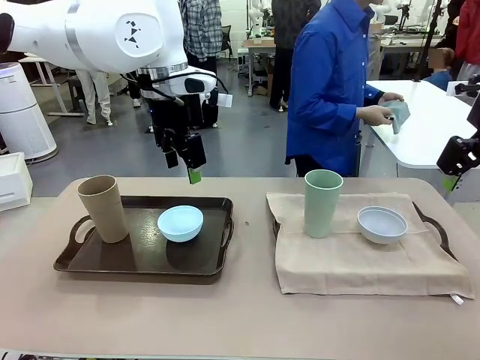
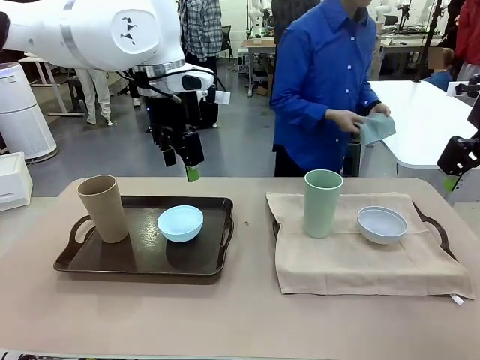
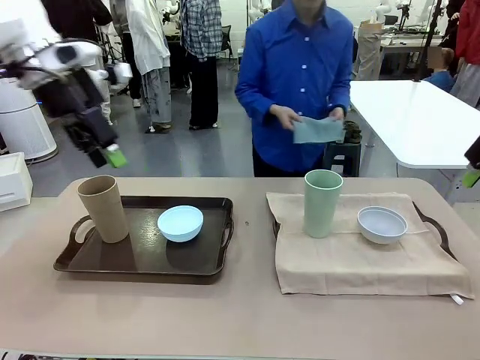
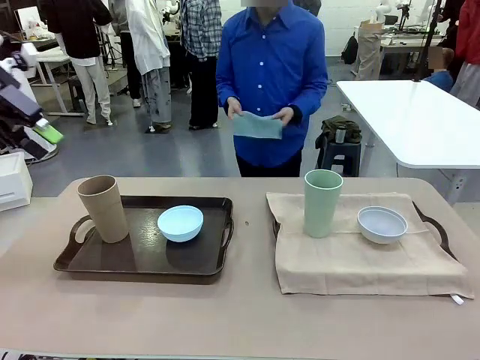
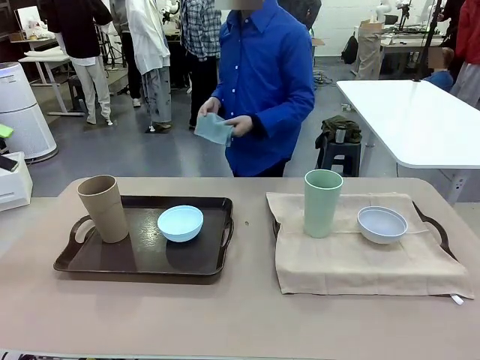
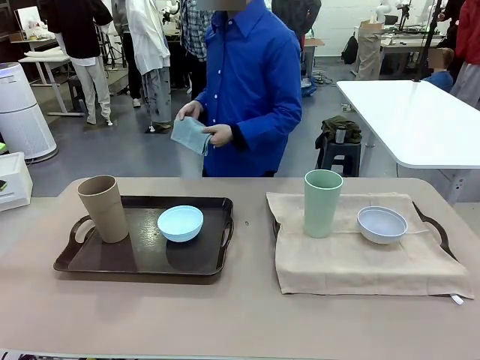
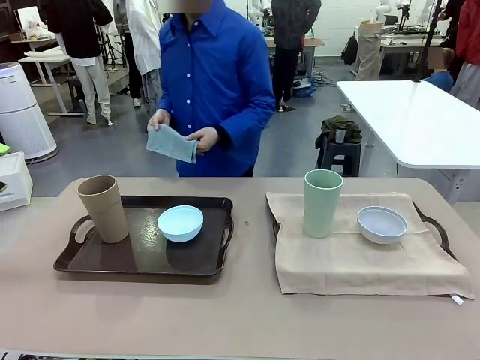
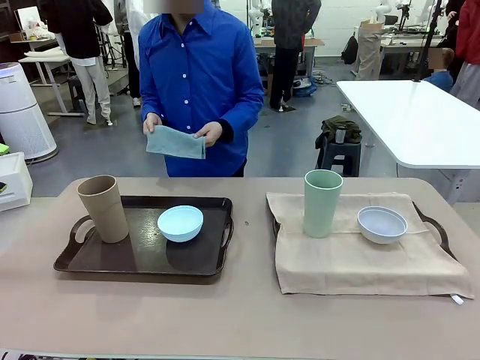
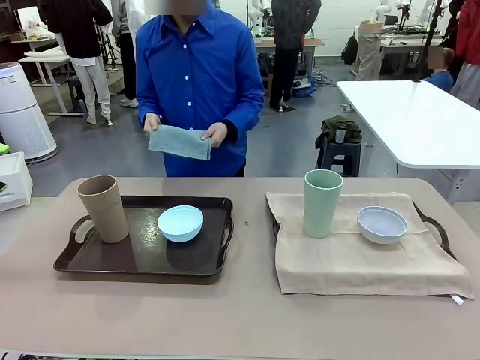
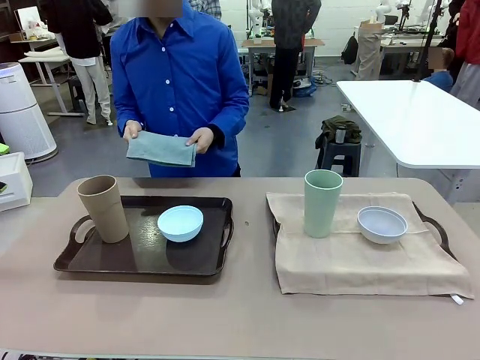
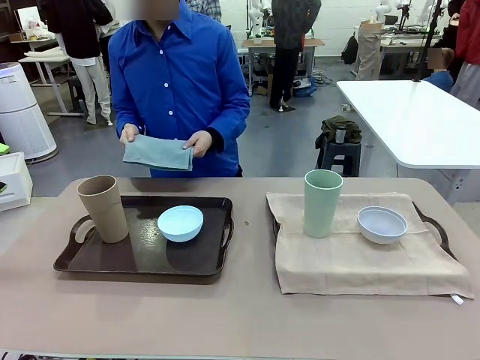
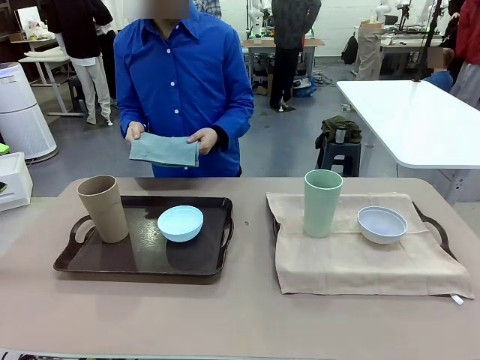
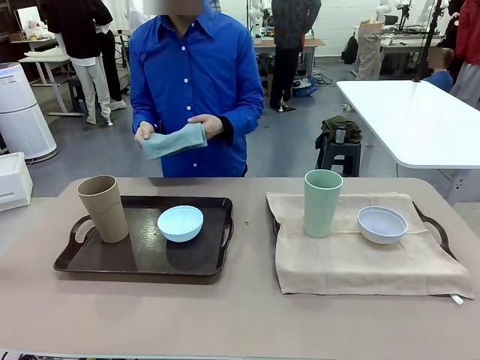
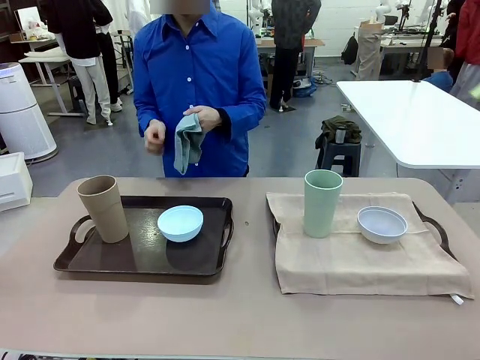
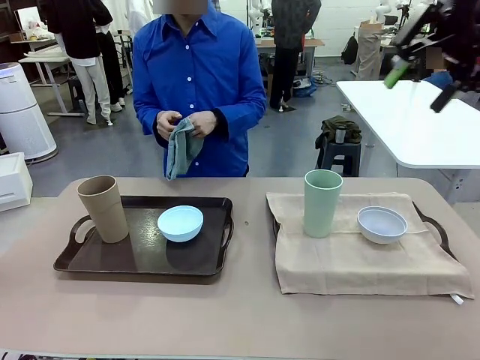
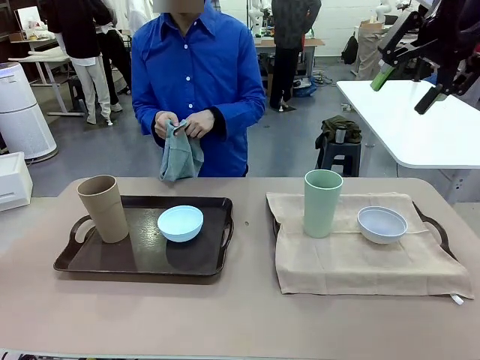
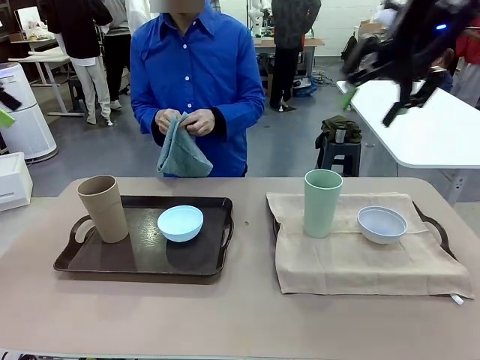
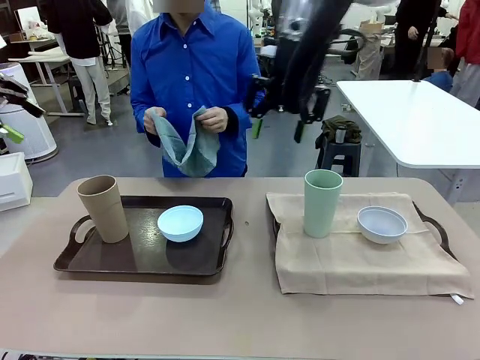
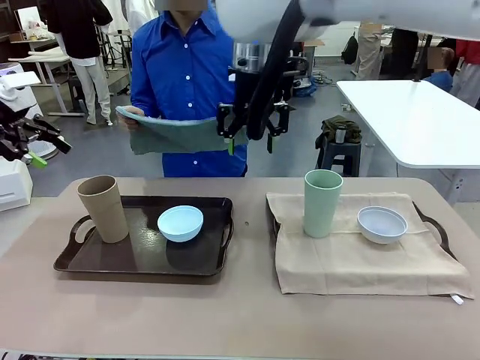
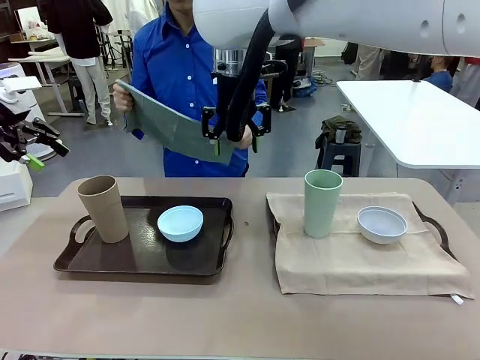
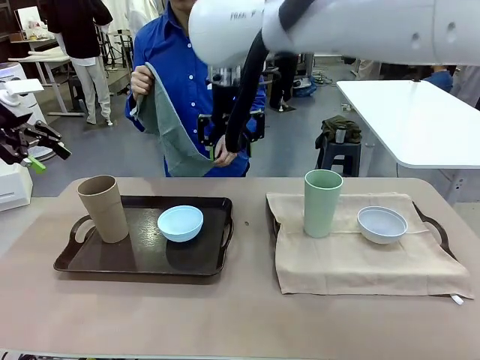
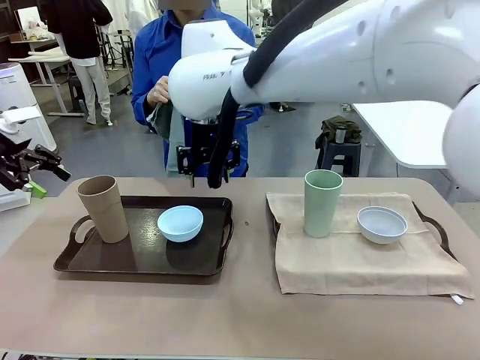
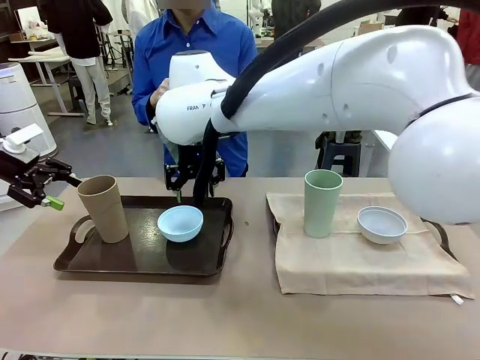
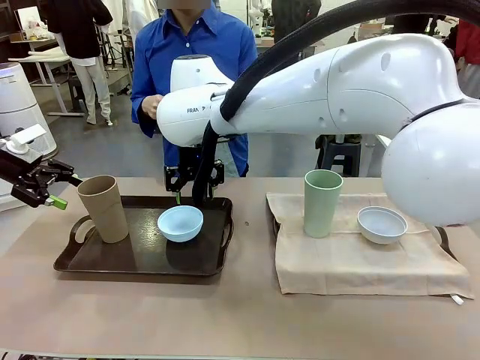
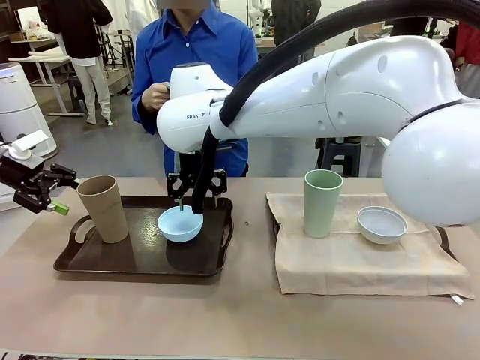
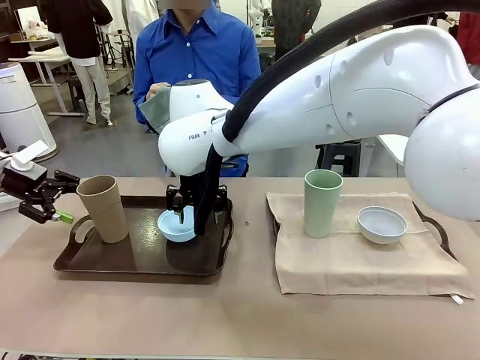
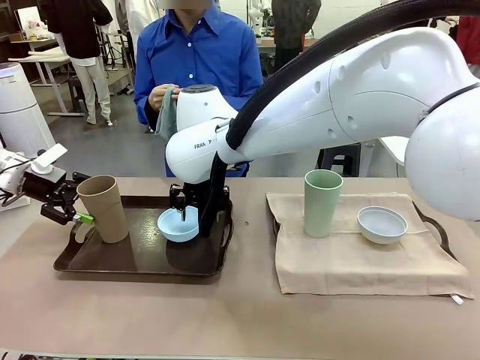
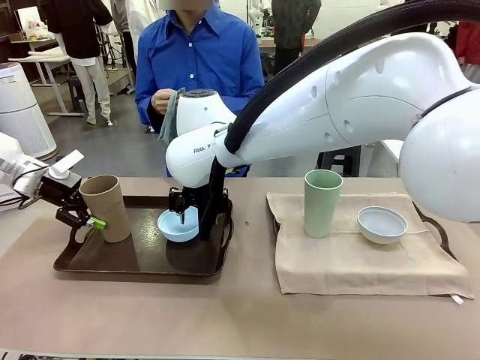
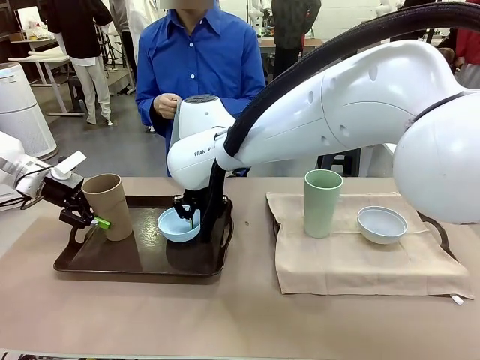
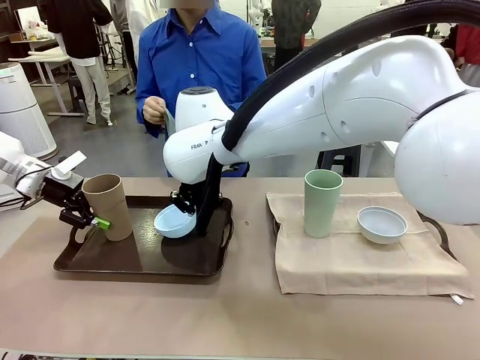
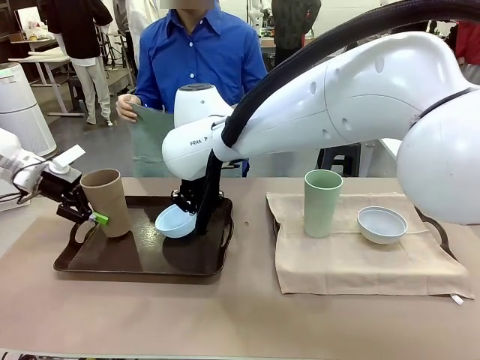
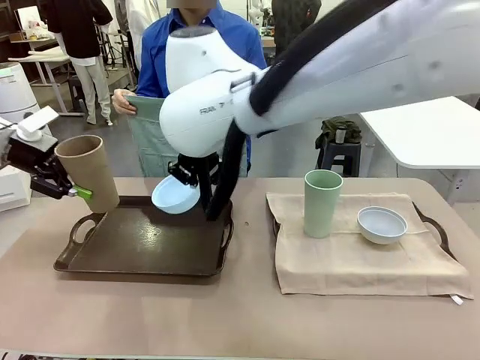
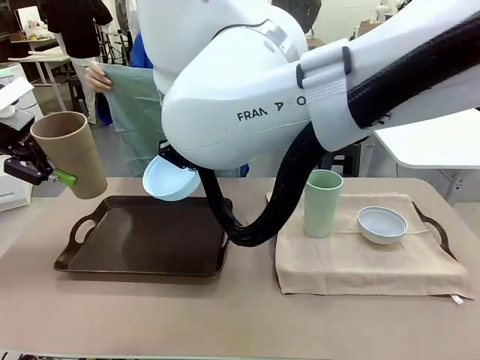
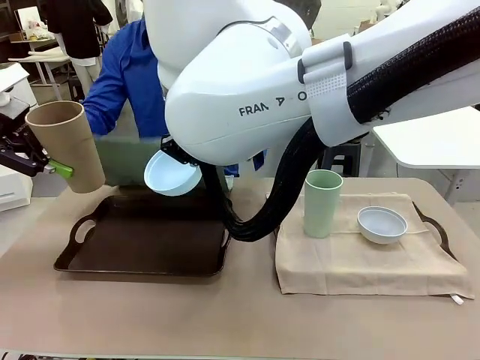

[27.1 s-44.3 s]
Robot: Pick up the Picnic Bowl and Reusable plastic cup from the Handle tray in front of the human's position and hold them in the air.
Person: The human returns to the human table to pick up another napkin and walks to the robot table to stand in front of the tray without a napkin.
